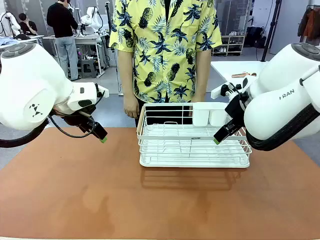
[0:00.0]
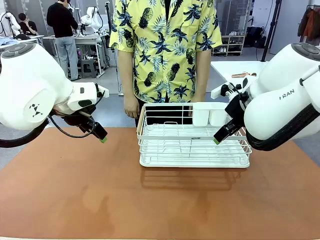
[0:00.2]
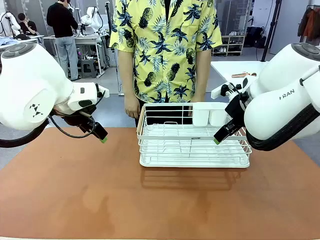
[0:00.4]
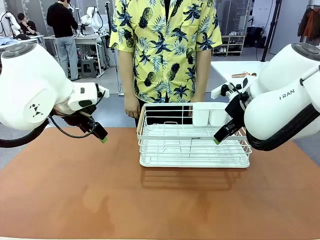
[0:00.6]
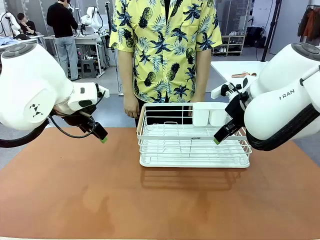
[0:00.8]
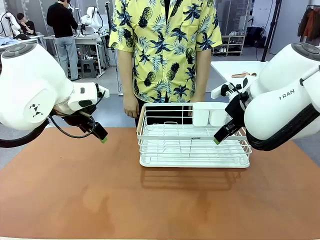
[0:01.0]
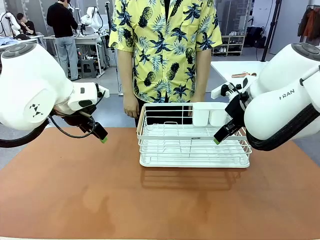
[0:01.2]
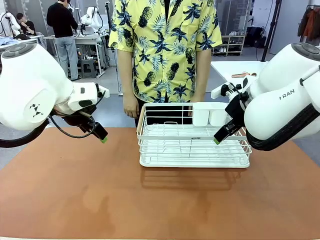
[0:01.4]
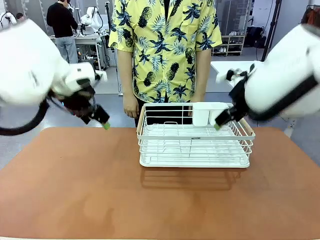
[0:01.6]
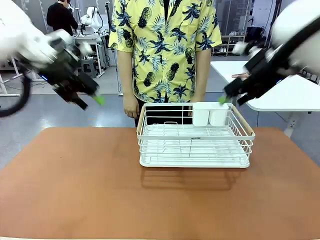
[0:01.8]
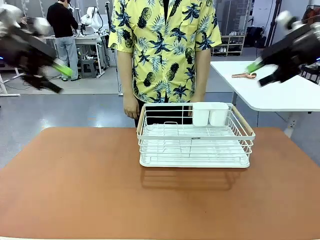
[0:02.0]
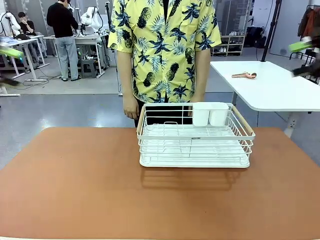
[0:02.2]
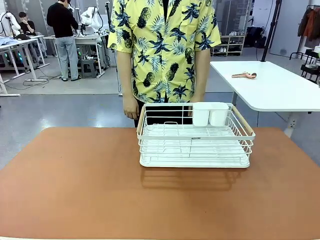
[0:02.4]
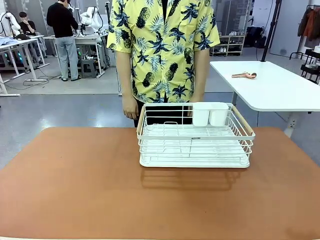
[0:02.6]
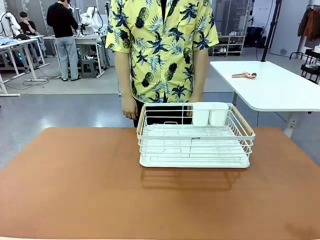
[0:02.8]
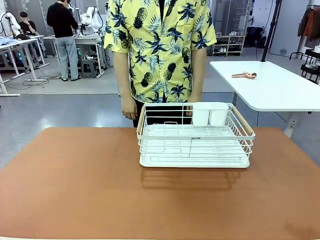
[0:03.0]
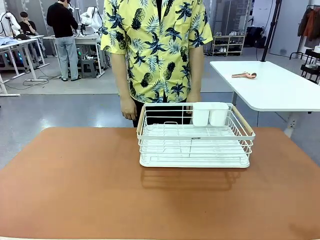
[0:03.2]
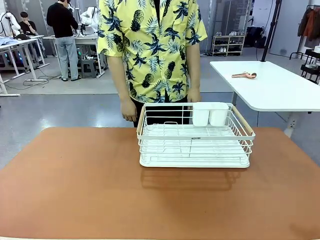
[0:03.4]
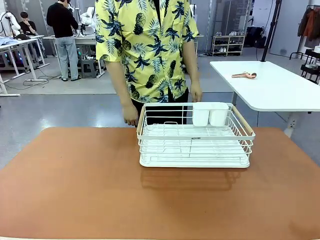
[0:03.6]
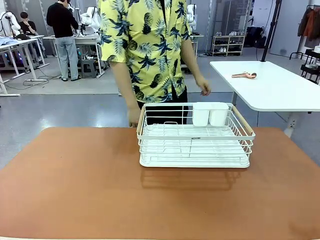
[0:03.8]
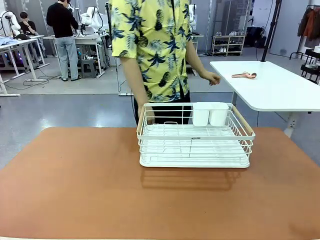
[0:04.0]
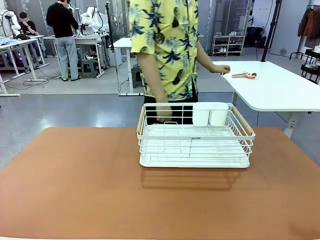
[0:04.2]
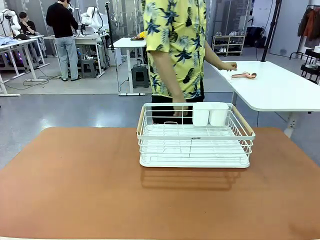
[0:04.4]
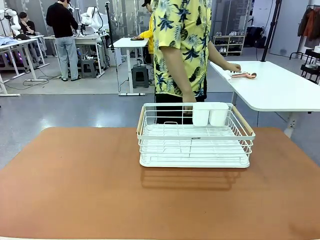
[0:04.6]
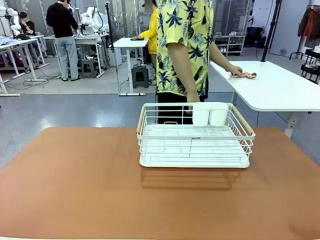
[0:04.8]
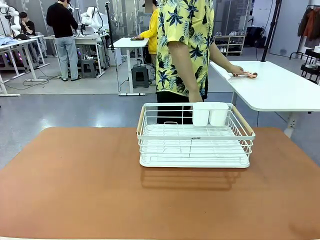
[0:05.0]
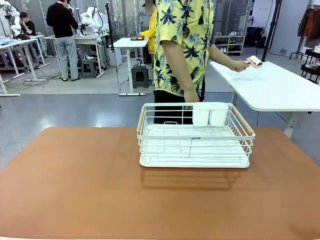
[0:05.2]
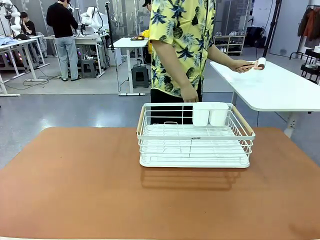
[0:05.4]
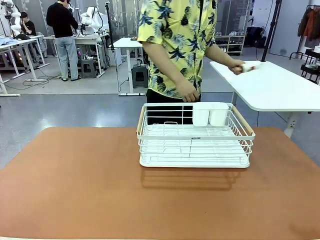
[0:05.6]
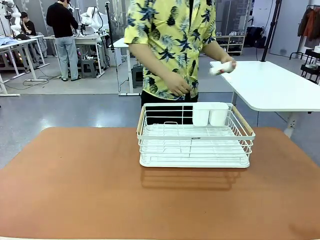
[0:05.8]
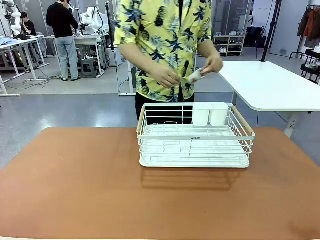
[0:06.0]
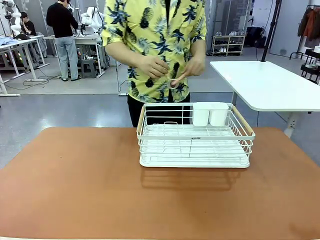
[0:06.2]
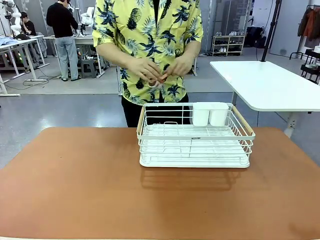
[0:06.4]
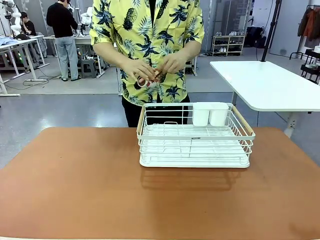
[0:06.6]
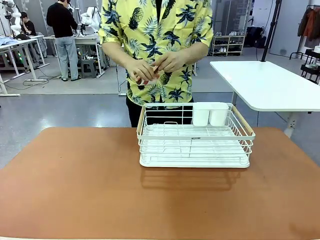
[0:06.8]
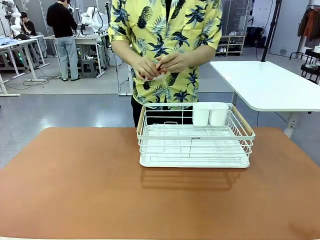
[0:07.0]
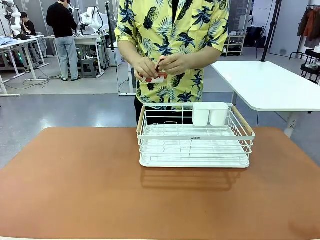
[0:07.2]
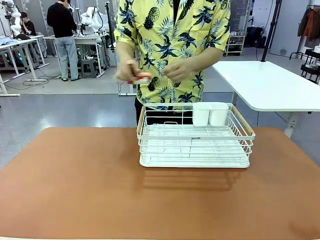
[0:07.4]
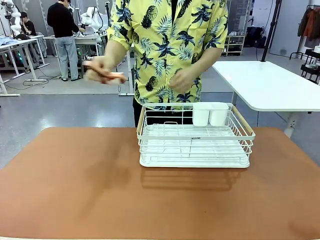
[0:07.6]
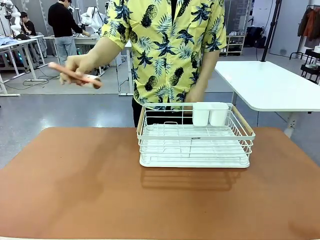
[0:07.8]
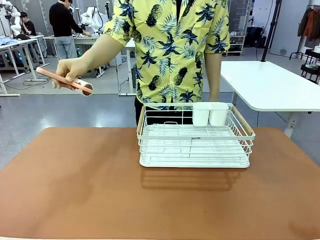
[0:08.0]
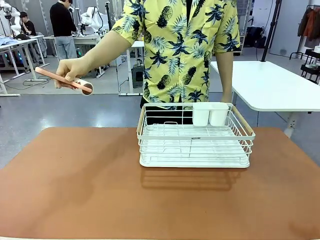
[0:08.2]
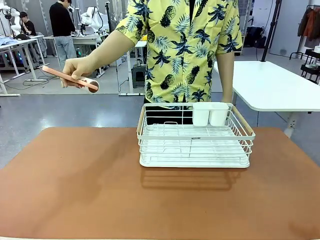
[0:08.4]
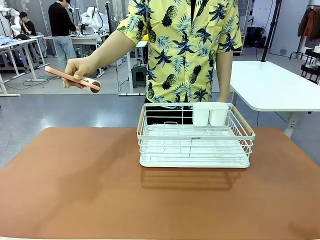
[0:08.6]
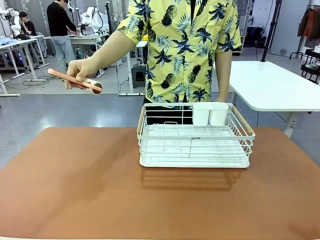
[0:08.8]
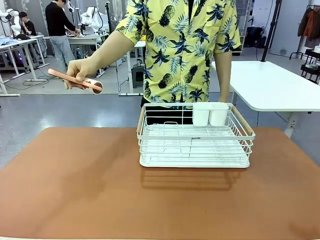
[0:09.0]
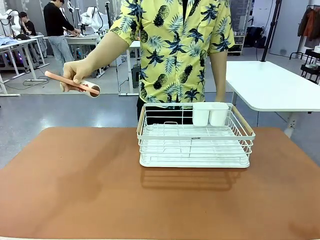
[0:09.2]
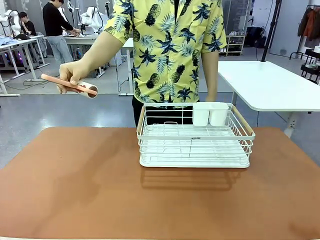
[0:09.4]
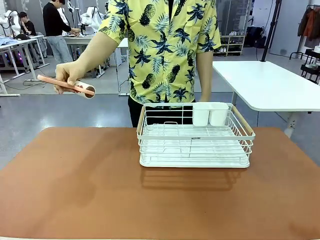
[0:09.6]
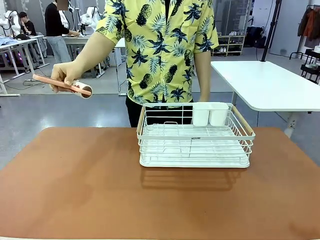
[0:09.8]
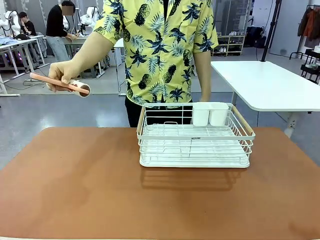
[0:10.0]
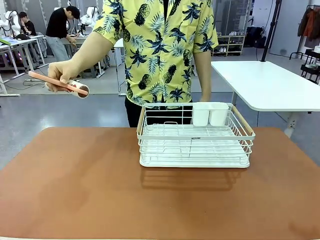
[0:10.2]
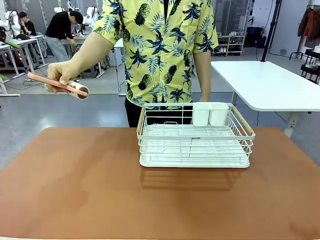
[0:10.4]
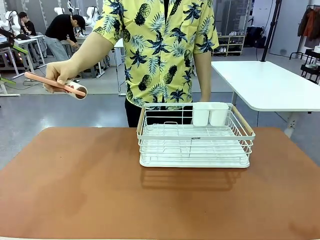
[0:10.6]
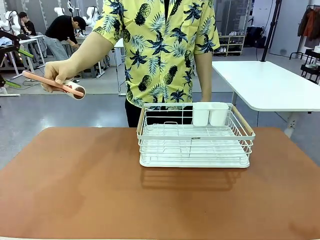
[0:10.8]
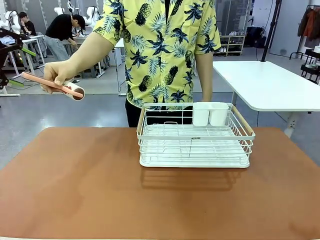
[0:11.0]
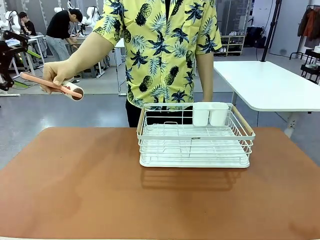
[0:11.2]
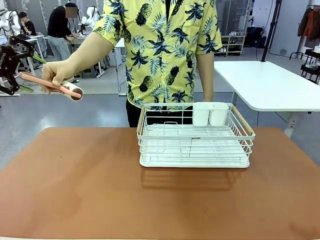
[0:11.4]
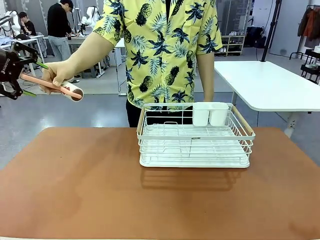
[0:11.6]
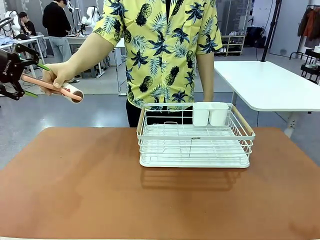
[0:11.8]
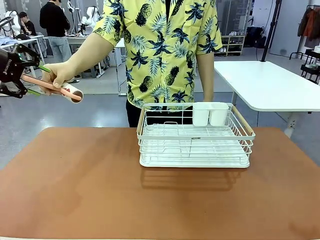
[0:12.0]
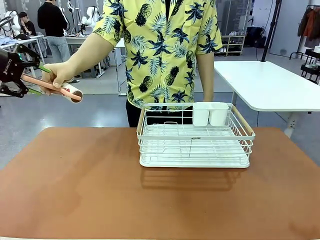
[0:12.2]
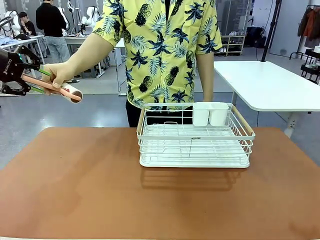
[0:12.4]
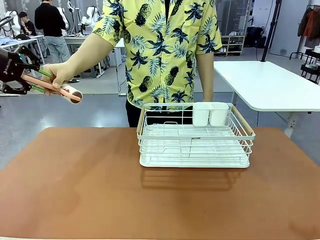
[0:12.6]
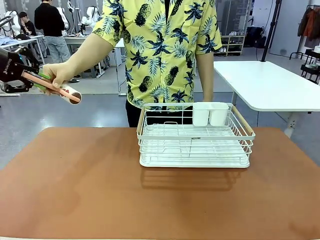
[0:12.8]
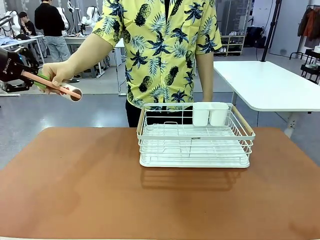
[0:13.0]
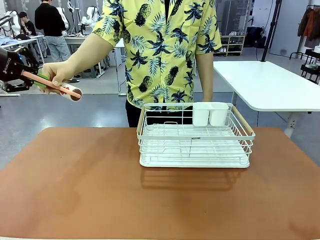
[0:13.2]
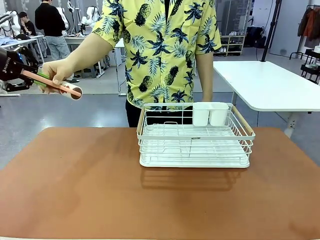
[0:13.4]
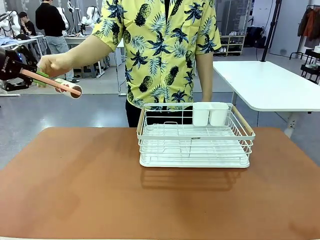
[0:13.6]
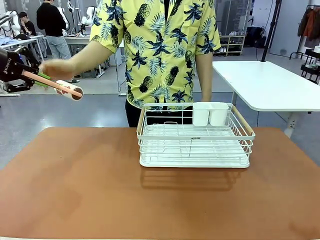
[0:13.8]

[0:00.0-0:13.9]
Task: Clean the table.
Robot: Pick up the Lint Roller when the human hands it over.
Person: Hand the Lint Roller to the robot so it can easily pick it up. Lift the Dish drying rack.
